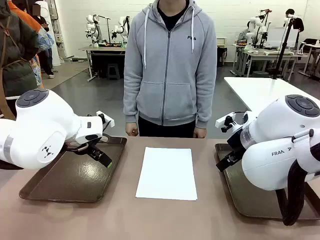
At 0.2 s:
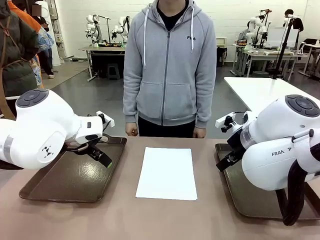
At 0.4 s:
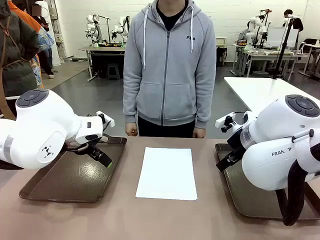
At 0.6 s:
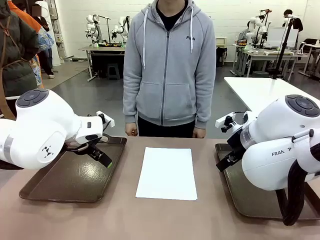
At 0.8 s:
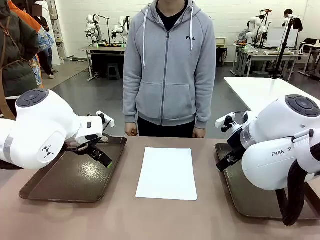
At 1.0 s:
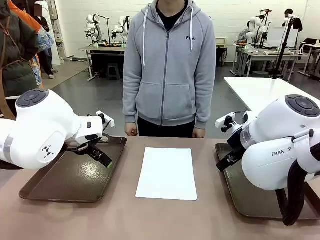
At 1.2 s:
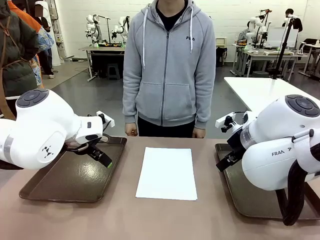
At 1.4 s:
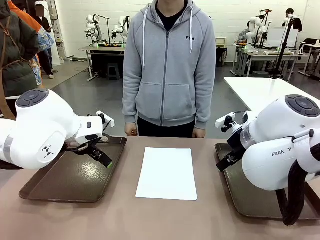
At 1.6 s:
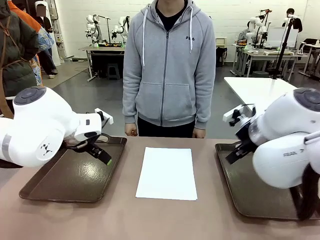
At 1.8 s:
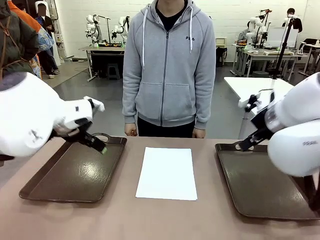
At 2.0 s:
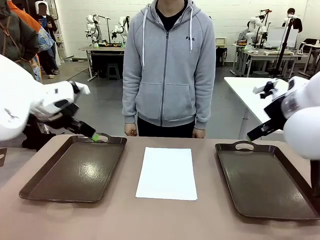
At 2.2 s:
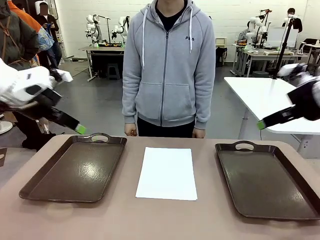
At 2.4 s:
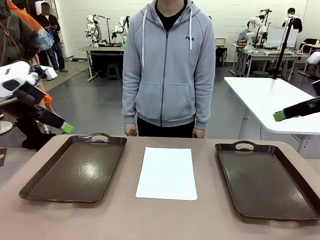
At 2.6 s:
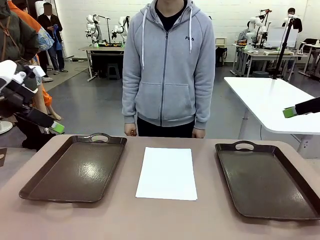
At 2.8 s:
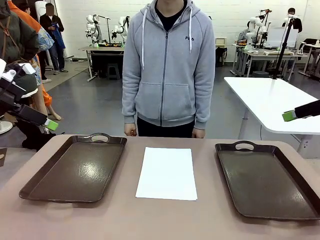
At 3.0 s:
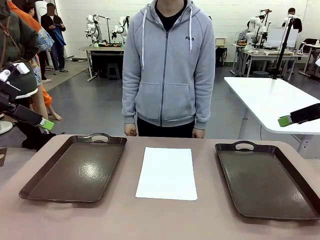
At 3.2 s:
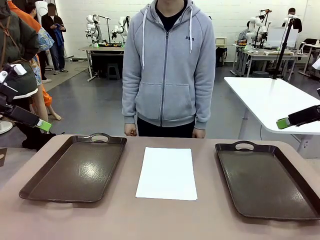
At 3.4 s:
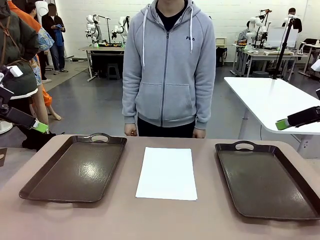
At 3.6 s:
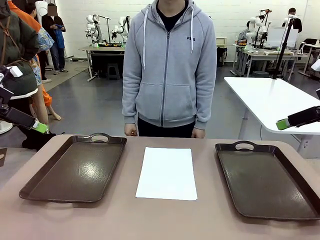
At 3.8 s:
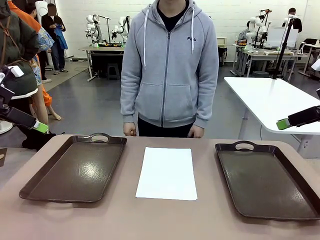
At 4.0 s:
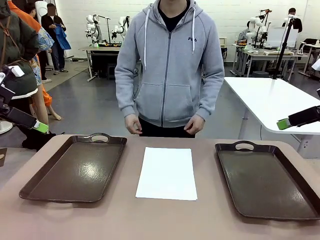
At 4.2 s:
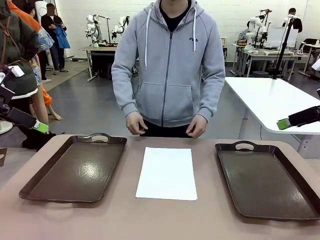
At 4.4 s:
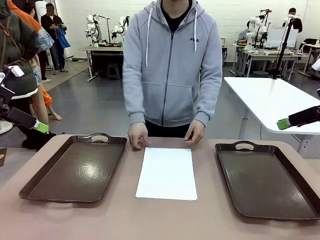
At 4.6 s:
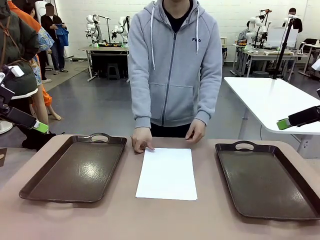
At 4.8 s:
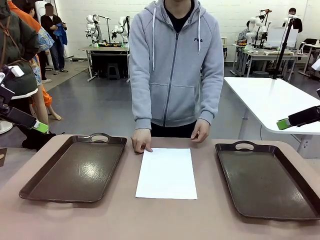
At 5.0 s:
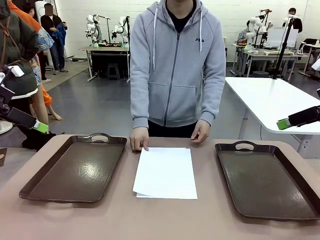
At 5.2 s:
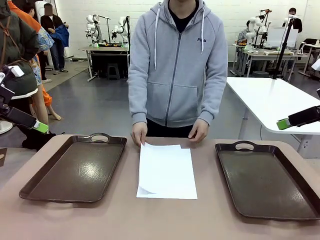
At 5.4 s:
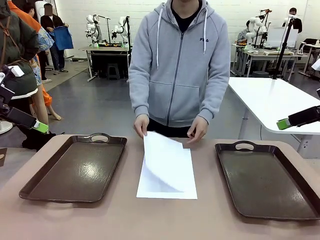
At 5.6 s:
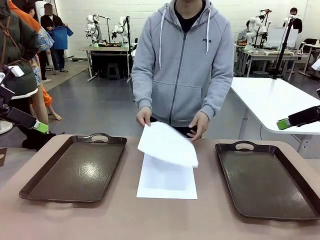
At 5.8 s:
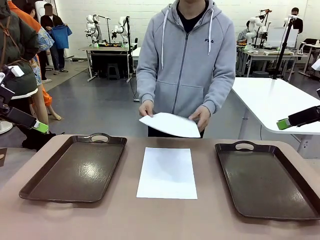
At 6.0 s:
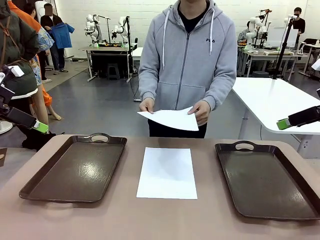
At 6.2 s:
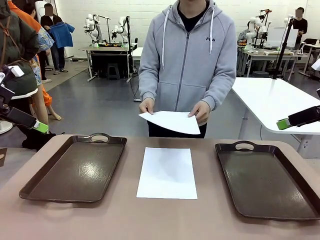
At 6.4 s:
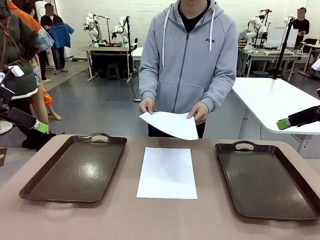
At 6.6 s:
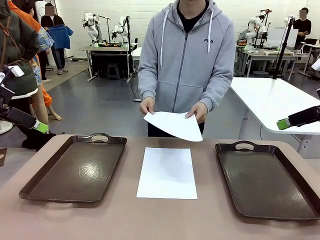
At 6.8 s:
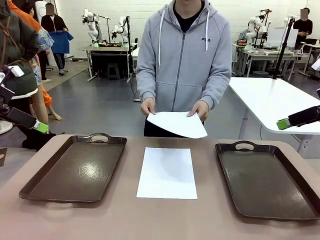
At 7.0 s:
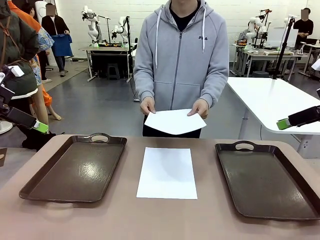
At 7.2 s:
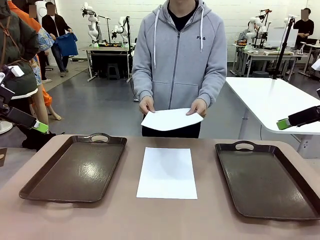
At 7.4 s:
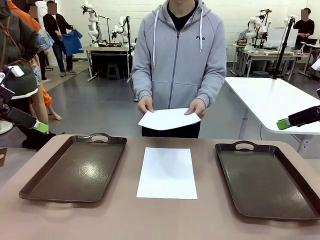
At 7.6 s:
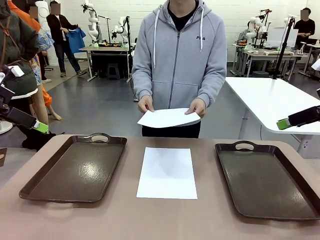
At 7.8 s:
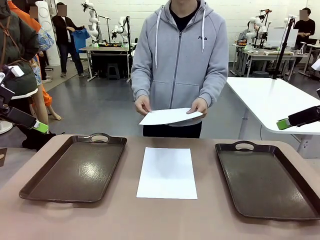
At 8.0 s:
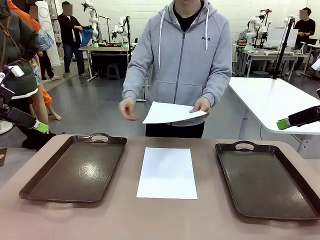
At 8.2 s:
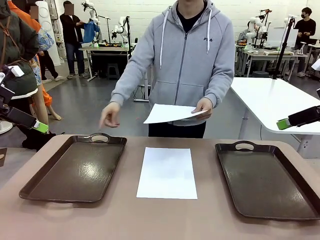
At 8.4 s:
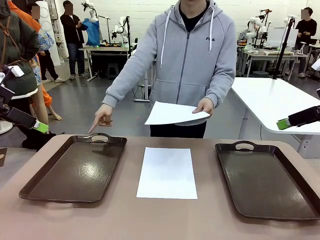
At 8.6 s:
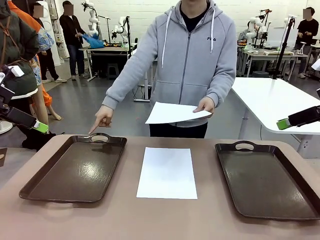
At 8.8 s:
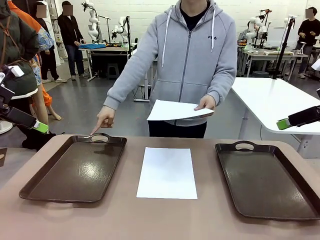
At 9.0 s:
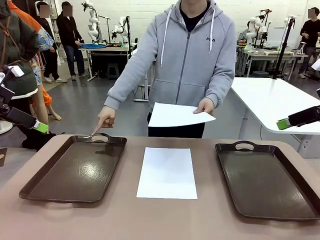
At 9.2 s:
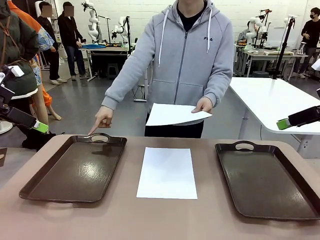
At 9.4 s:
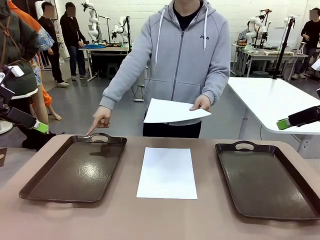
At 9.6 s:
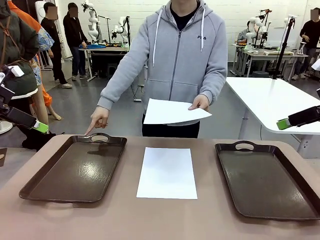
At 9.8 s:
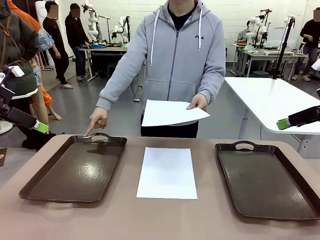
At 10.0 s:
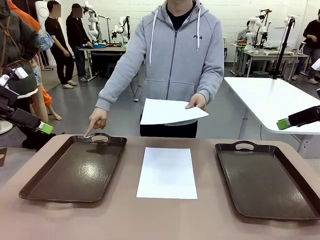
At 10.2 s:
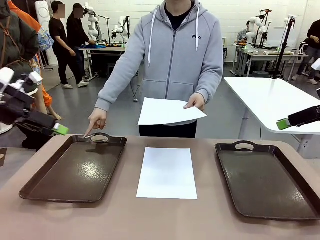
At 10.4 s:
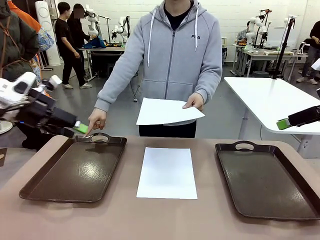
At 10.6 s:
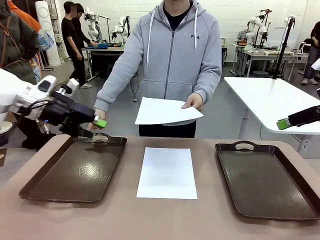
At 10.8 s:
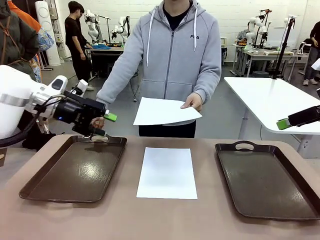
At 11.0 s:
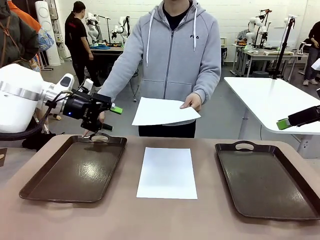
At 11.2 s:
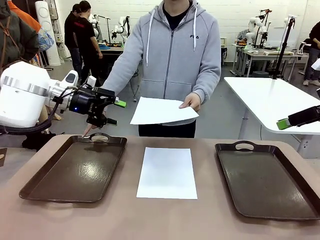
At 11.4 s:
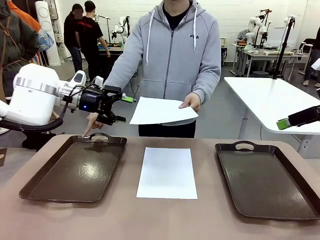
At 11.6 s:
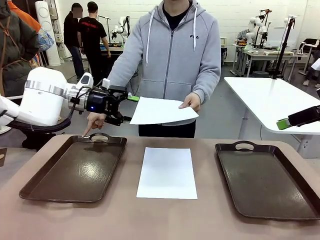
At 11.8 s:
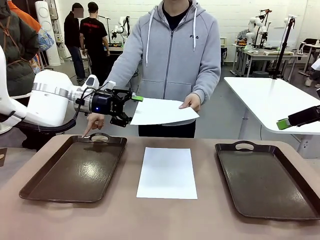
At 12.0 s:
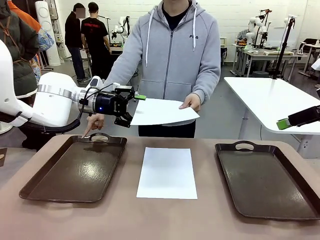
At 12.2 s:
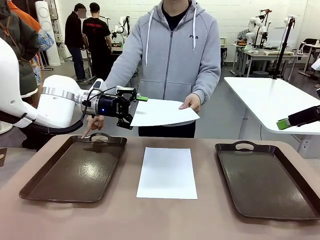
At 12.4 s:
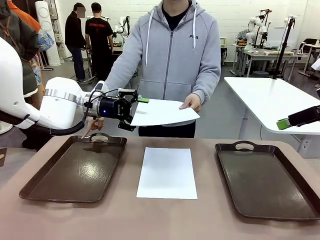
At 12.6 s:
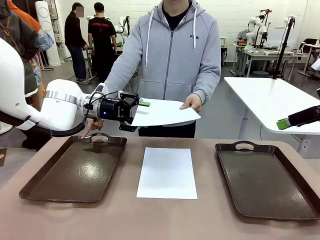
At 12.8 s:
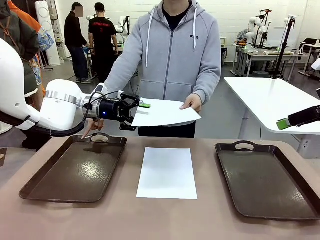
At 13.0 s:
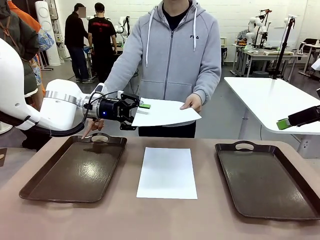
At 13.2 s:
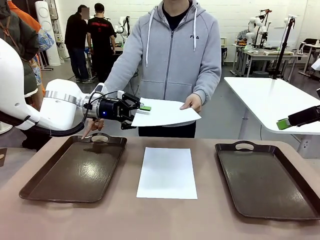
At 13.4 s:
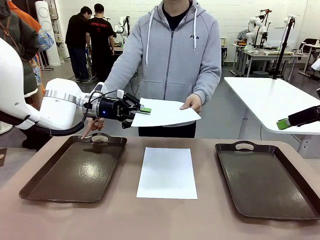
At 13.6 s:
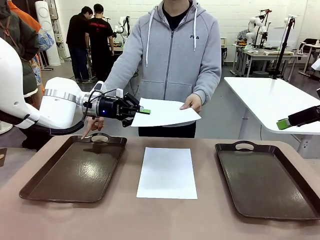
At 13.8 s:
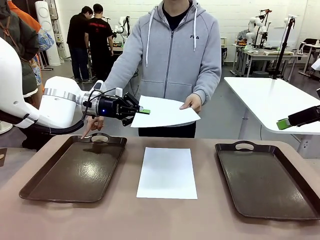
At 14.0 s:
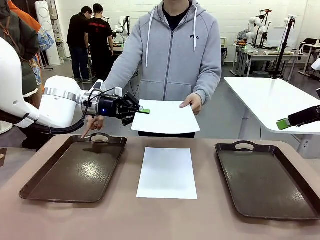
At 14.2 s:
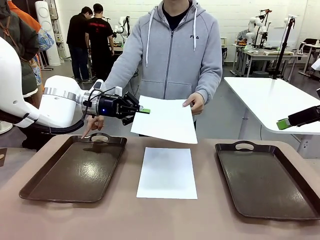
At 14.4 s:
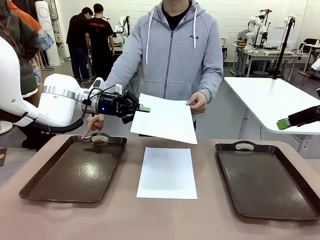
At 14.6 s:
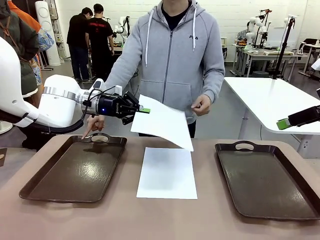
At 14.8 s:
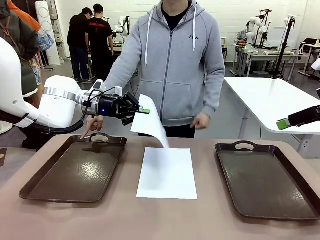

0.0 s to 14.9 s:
Task: Sort the A4 documents.
Robot: Receive the A4 Paper.
Person: Pick up a sheet of paper from the center of the table and hand it to the robot. Point the randomly selected tray with the other hand.

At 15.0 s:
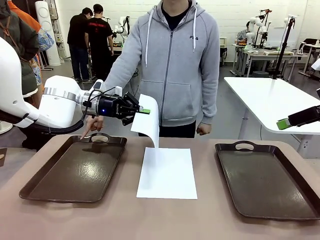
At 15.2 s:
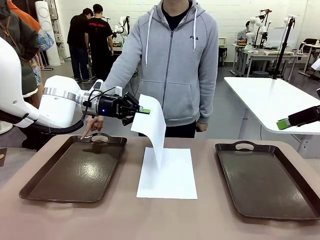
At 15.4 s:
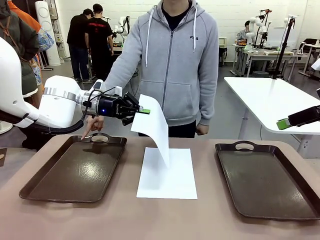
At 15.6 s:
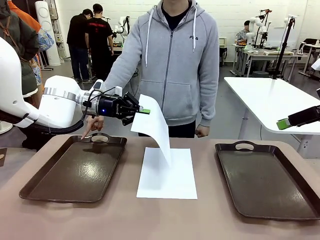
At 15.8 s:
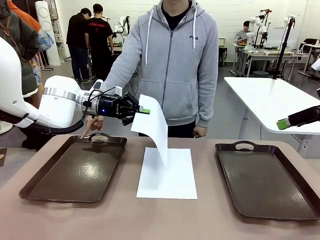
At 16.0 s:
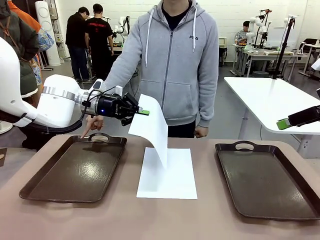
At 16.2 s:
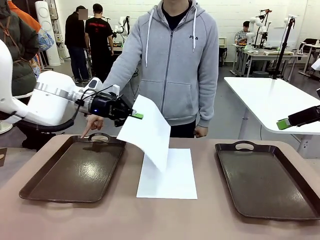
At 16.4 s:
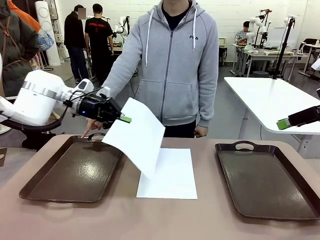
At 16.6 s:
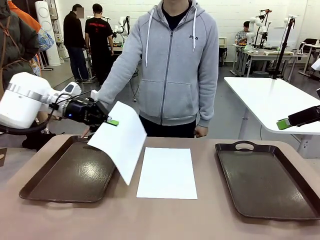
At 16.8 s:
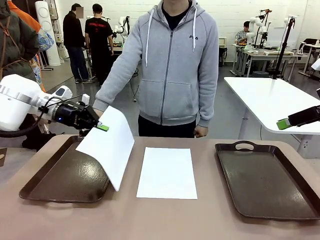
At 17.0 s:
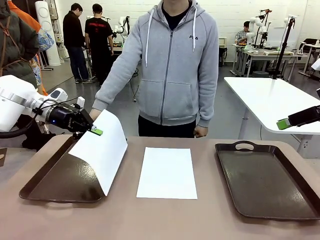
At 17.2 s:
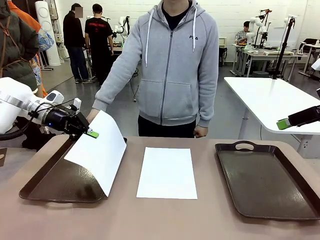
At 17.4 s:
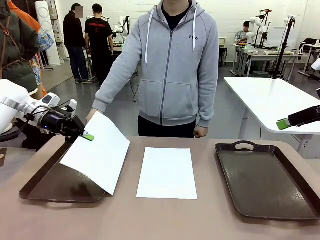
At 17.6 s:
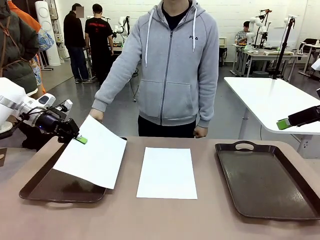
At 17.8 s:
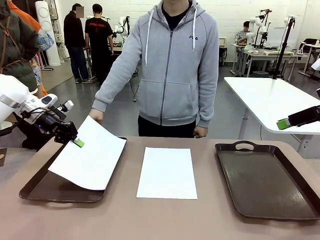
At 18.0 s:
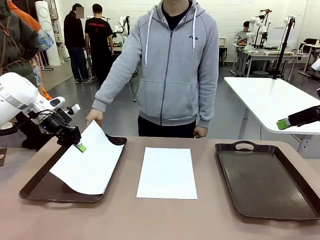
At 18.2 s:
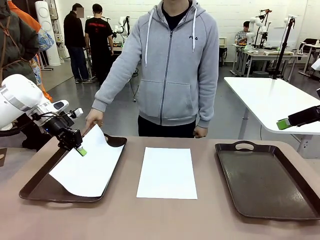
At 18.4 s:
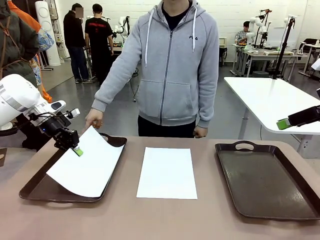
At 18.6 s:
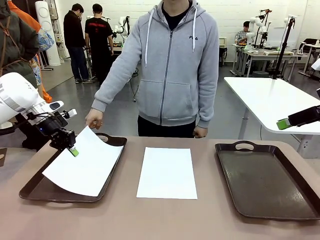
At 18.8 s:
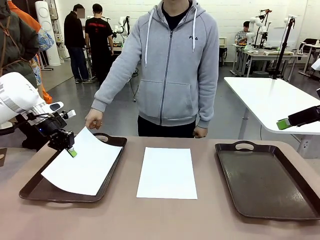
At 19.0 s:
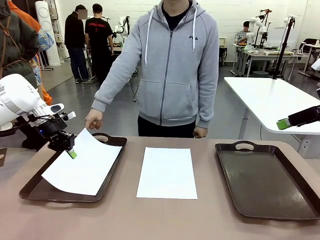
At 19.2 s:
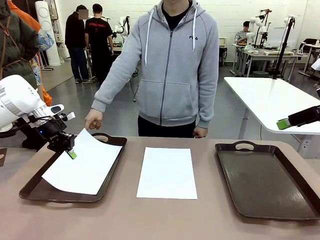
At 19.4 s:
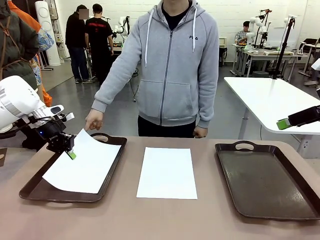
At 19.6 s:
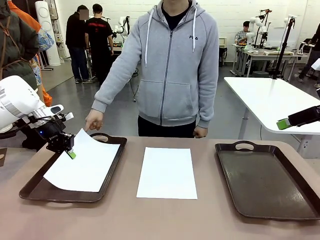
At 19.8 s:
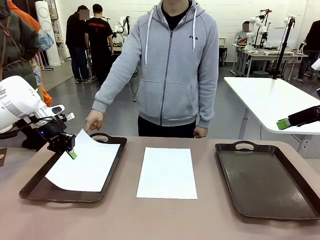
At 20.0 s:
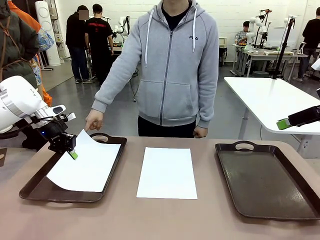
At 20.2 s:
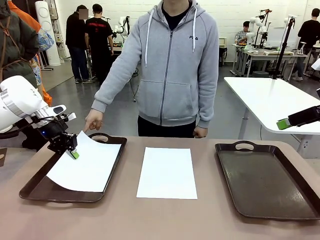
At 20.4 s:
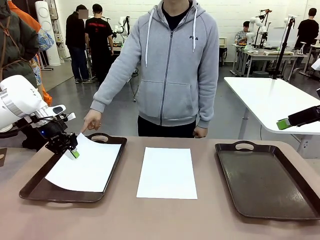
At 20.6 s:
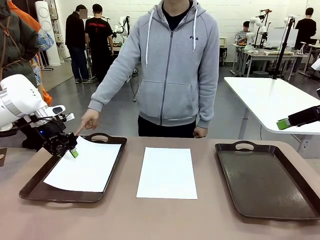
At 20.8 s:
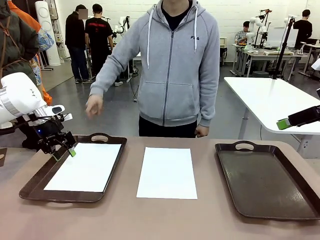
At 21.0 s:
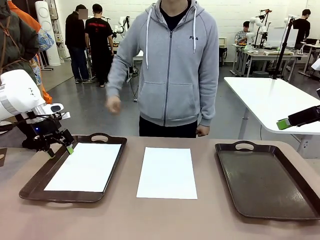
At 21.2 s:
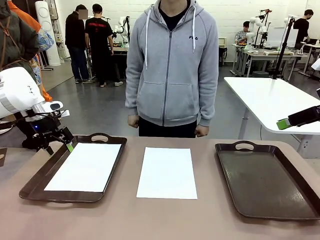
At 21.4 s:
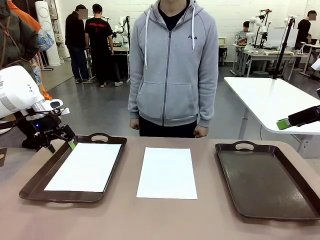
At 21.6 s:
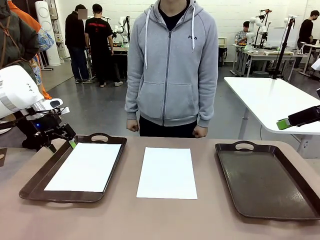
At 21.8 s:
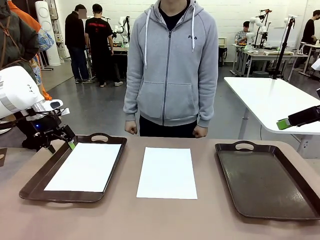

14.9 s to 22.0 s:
Robot: Place the A4 Paper in the designated Handle tray.
